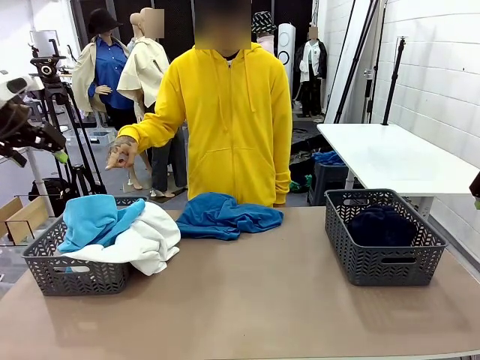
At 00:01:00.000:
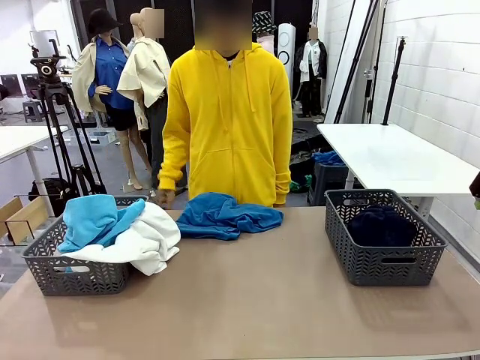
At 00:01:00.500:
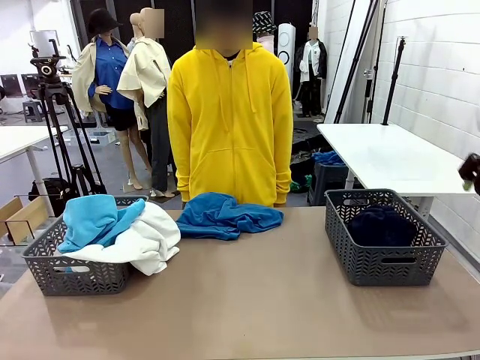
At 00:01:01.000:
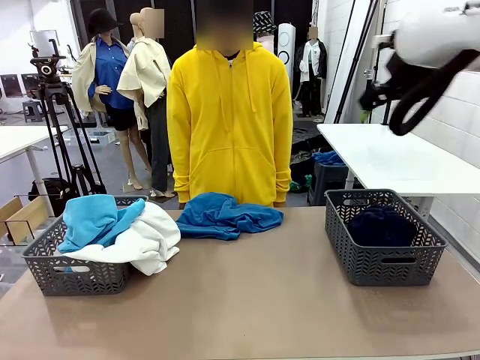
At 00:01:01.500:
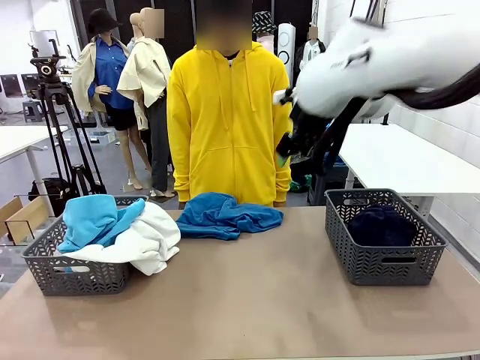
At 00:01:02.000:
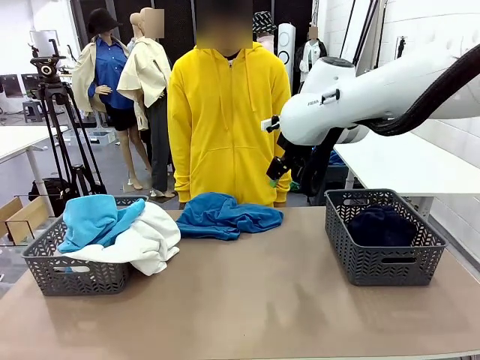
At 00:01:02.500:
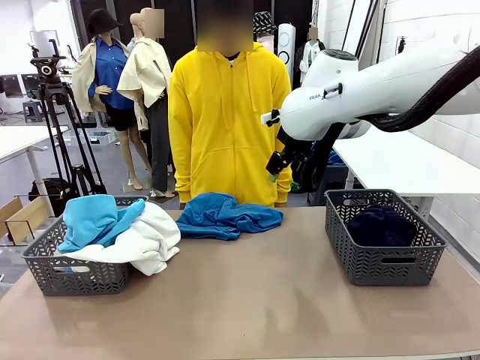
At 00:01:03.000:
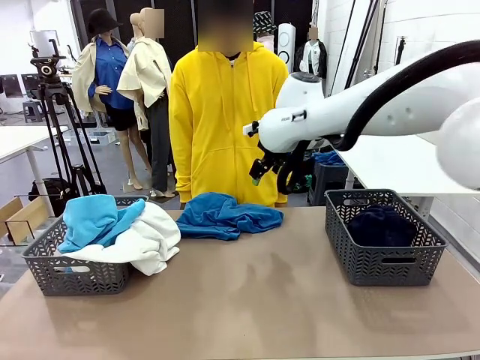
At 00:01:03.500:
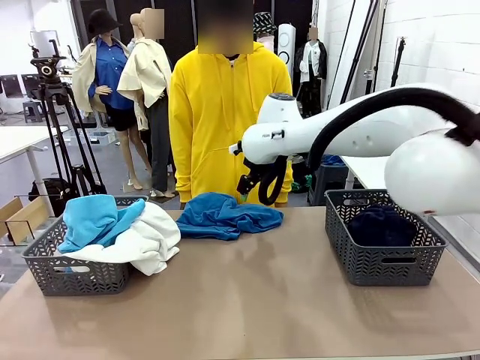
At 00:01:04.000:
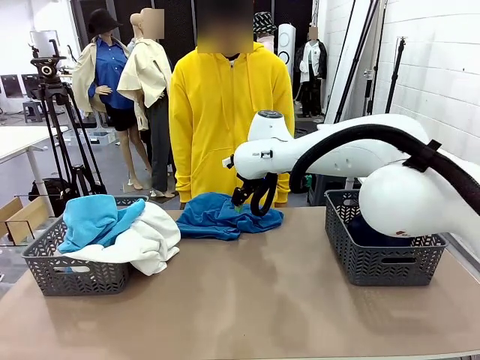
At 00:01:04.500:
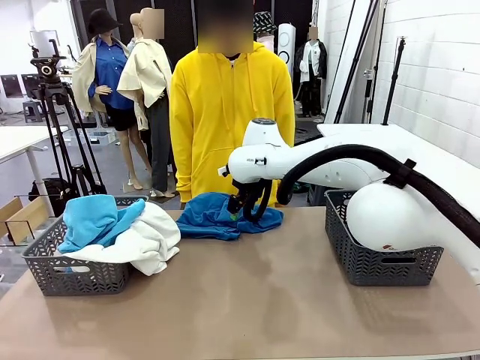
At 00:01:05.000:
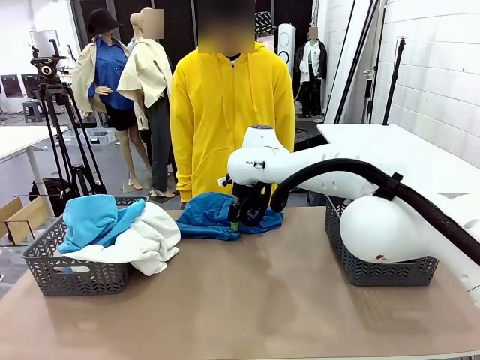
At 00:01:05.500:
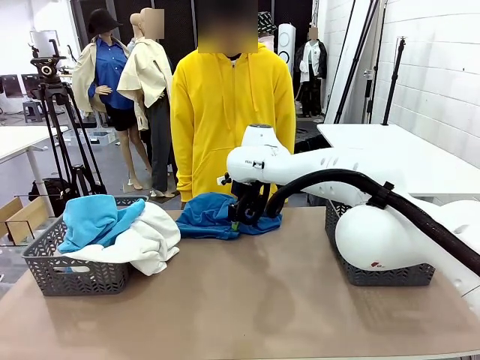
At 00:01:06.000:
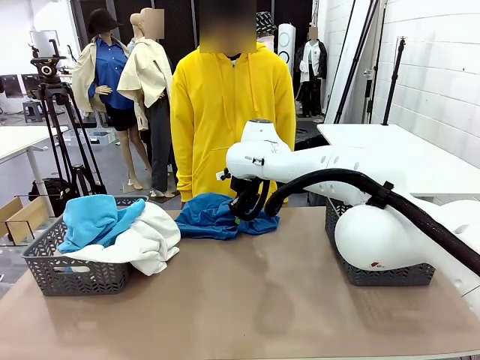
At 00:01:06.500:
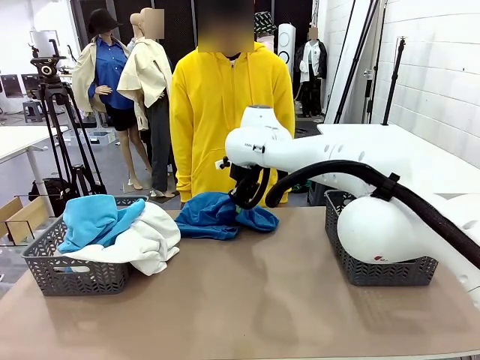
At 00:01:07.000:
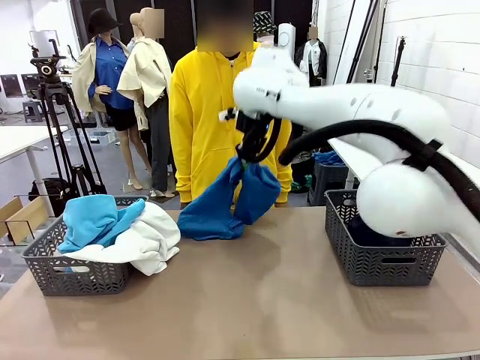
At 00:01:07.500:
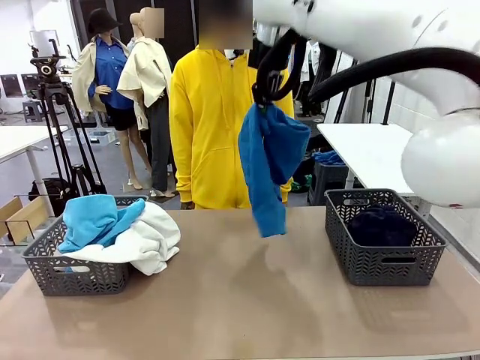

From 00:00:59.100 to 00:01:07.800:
Task: Sort the tops and bottoms.
Robot: Lift clothes from the center of the table with your right hand.

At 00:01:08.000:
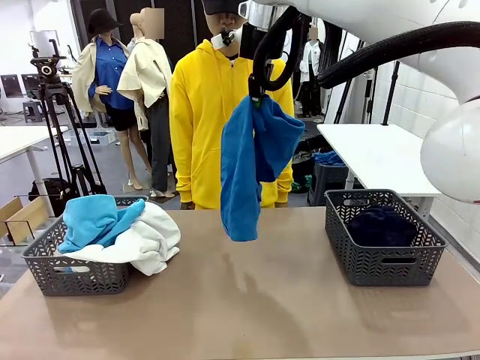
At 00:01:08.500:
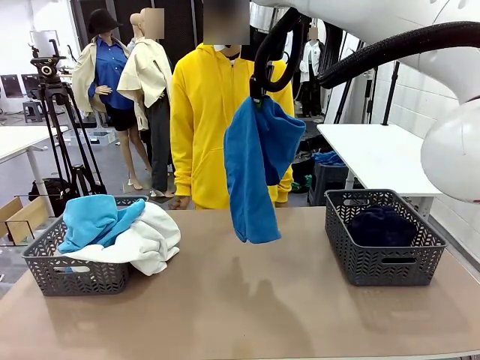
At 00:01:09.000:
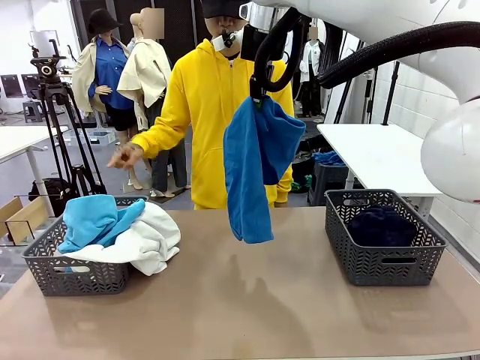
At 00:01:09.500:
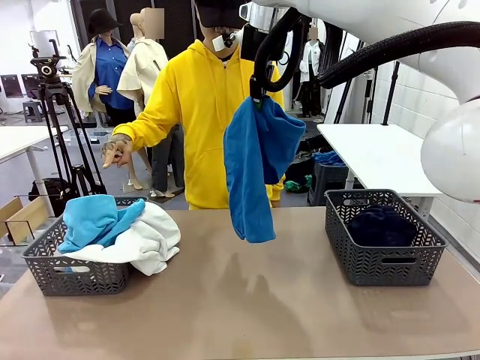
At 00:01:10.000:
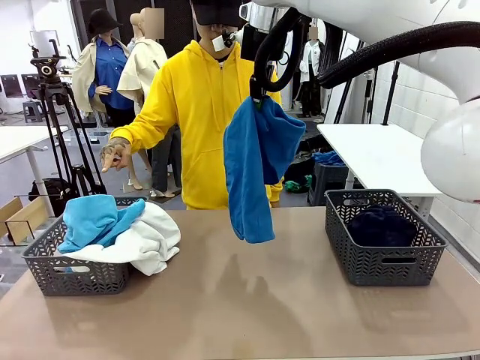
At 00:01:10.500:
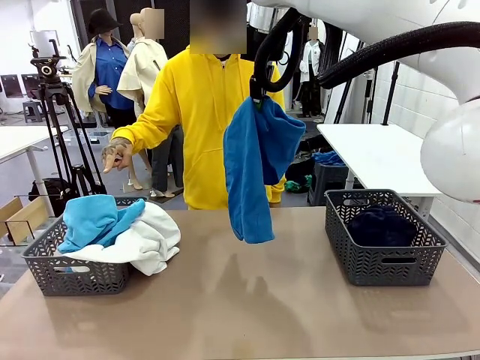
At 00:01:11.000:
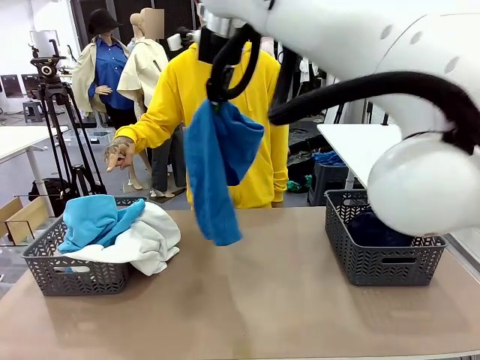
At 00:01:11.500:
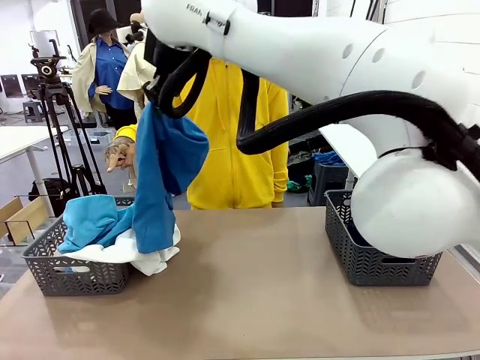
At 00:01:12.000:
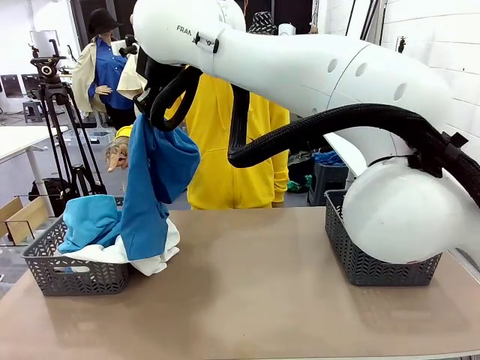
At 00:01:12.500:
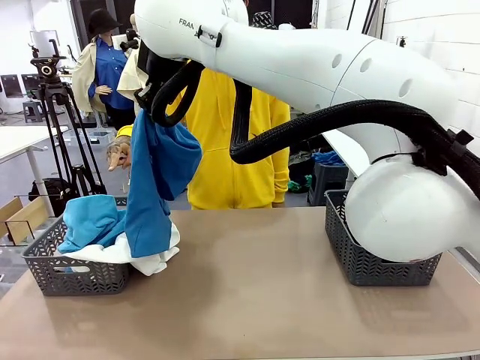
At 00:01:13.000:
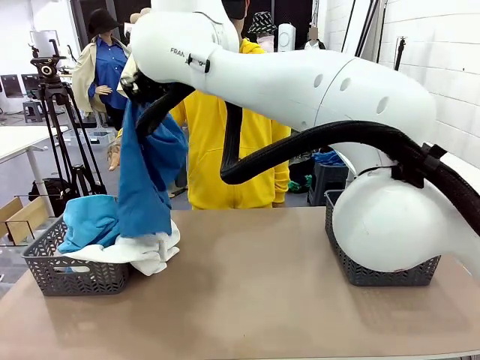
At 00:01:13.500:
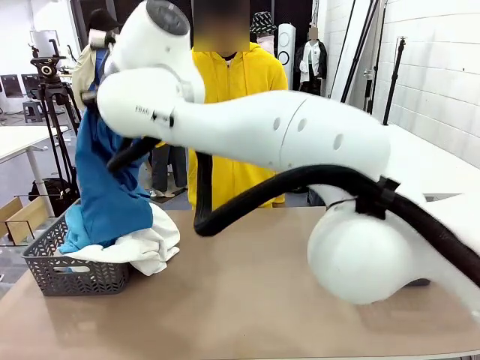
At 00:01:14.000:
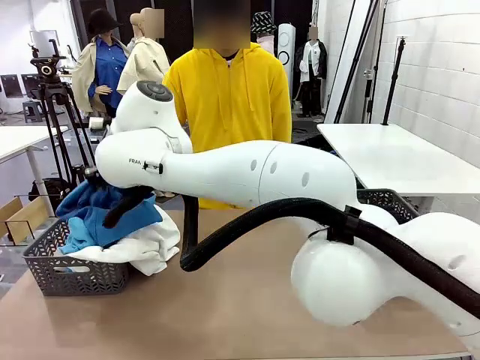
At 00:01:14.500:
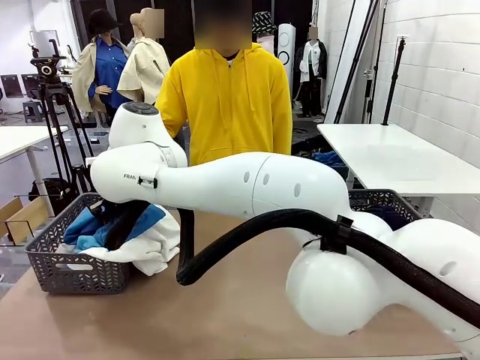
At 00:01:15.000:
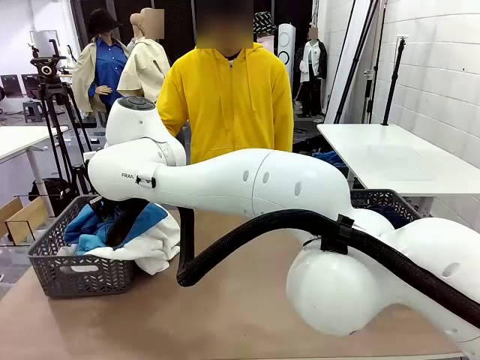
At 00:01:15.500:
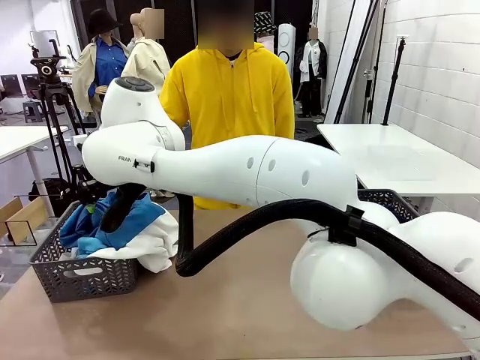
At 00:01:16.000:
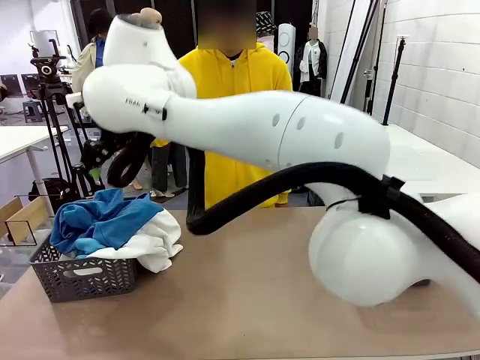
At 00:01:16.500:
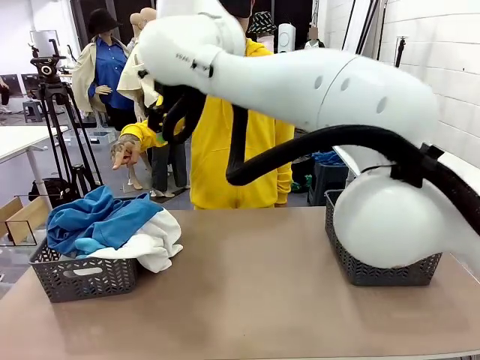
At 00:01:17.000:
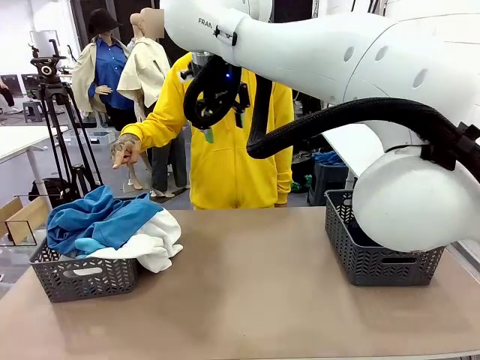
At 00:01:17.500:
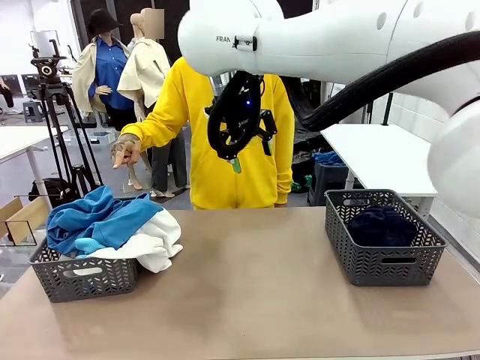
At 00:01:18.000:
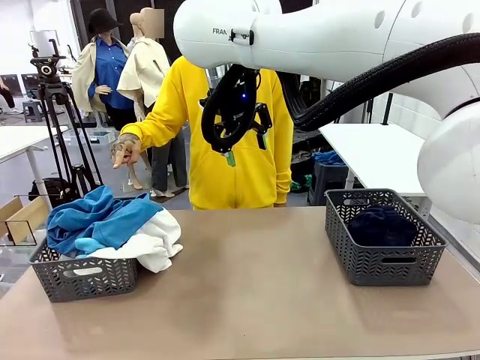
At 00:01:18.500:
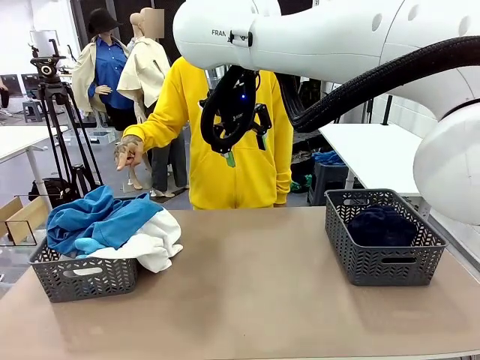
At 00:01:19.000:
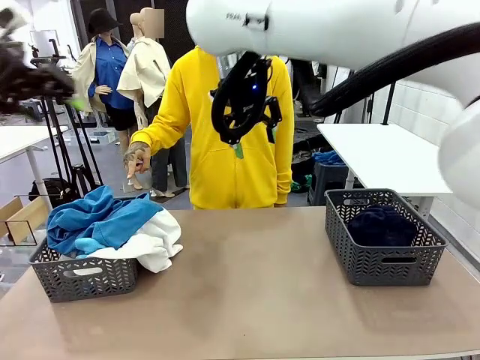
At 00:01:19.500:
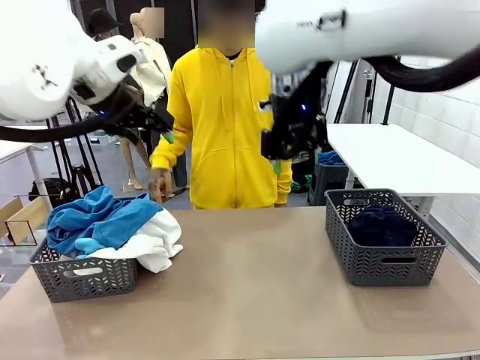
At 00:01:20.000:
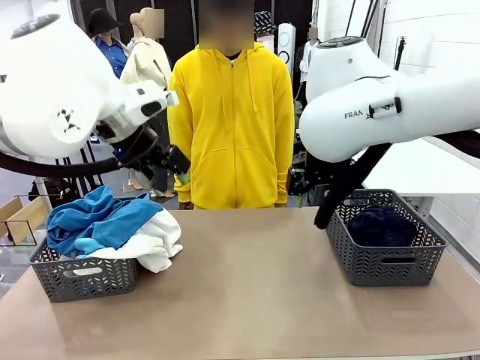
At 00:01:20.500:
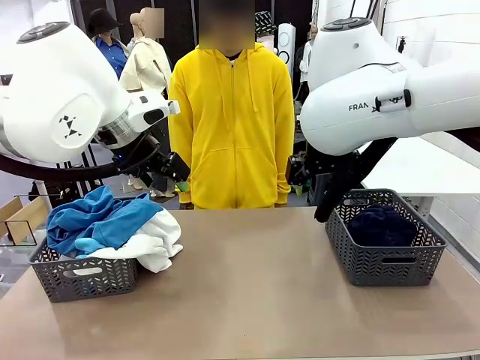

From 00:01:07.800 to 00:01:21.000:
Robot: Sort the clothes according to human instructions.
